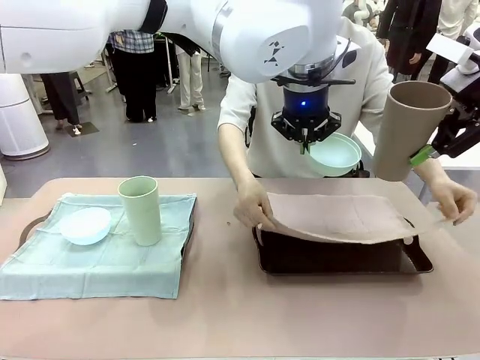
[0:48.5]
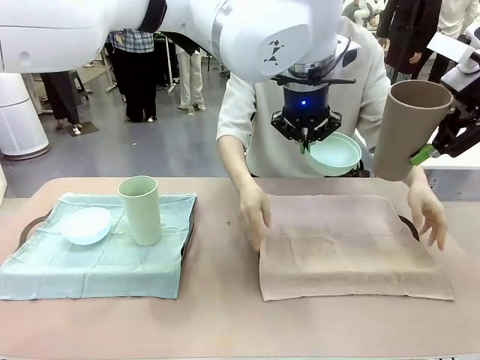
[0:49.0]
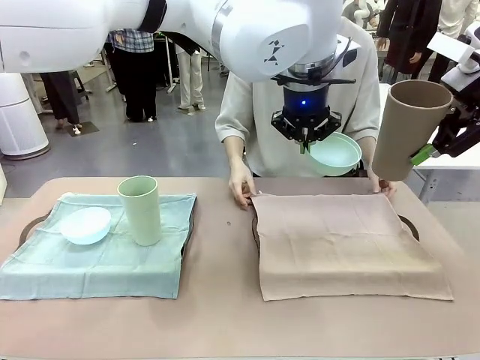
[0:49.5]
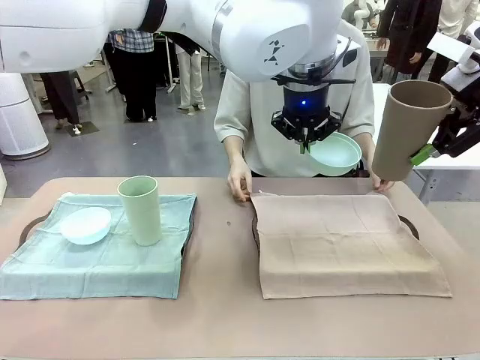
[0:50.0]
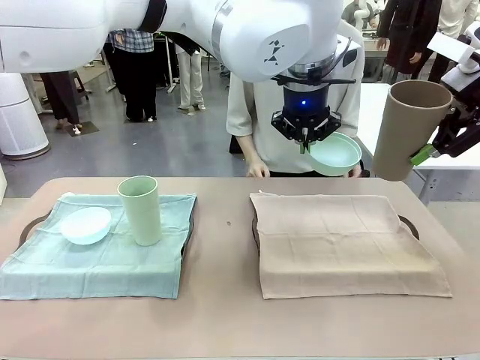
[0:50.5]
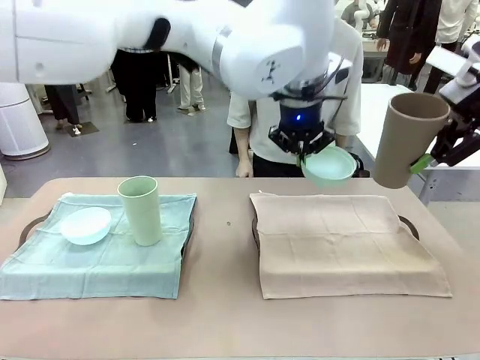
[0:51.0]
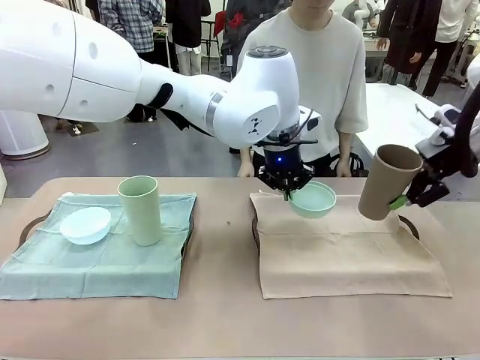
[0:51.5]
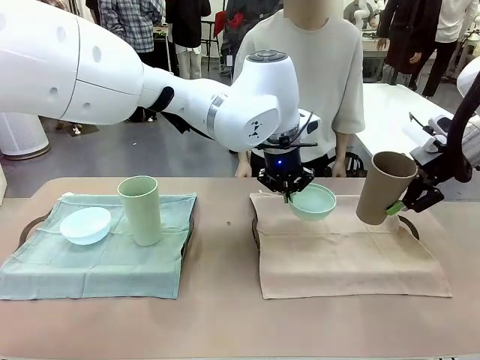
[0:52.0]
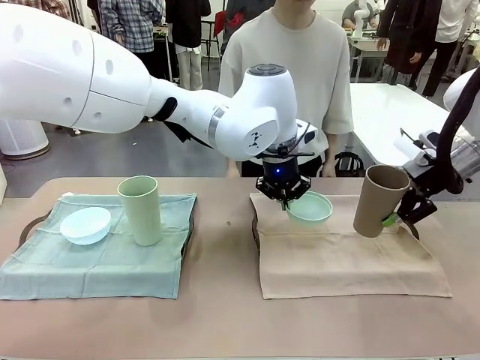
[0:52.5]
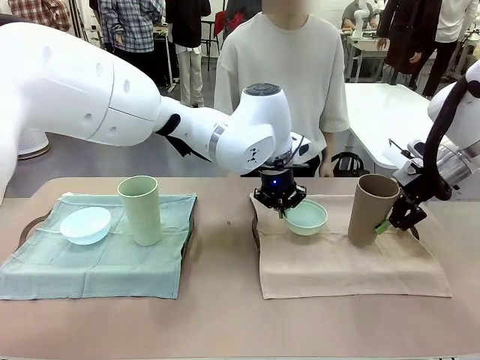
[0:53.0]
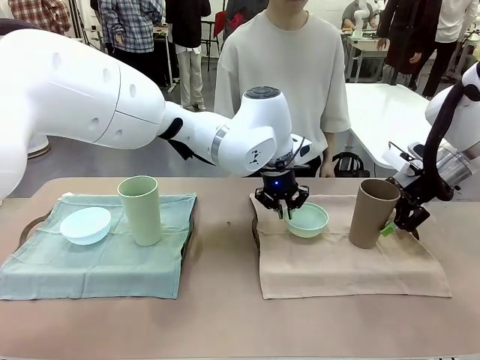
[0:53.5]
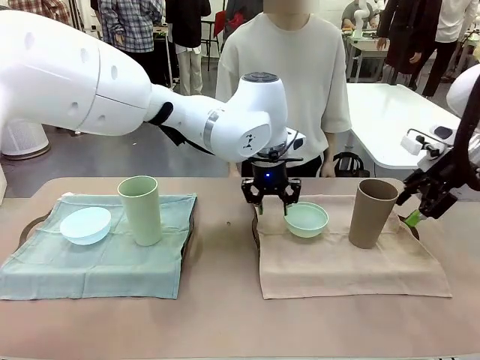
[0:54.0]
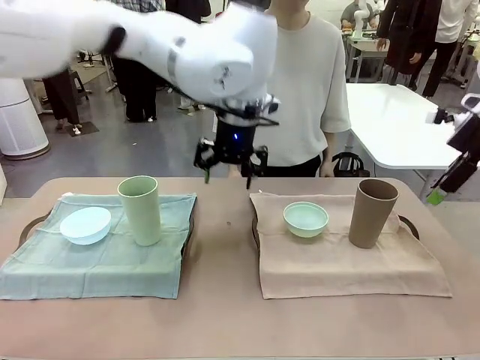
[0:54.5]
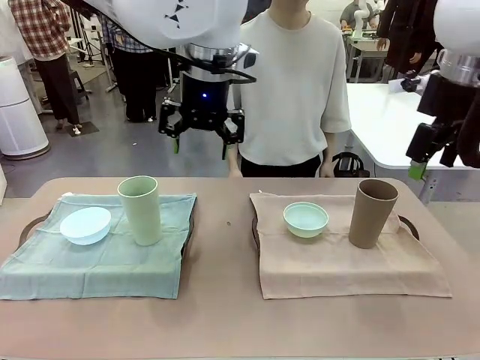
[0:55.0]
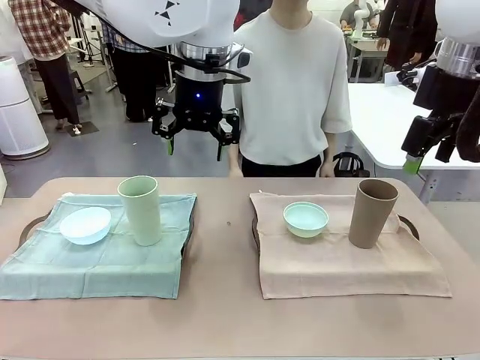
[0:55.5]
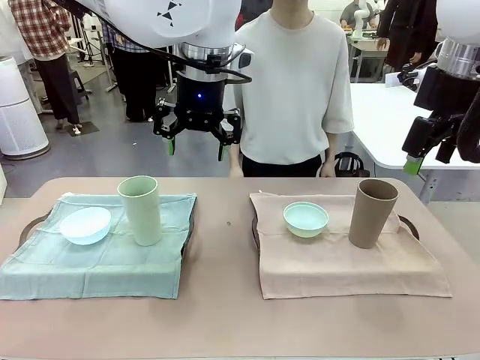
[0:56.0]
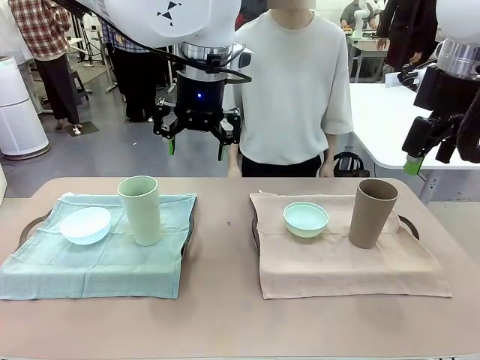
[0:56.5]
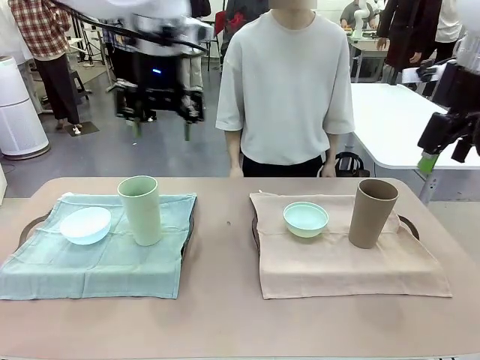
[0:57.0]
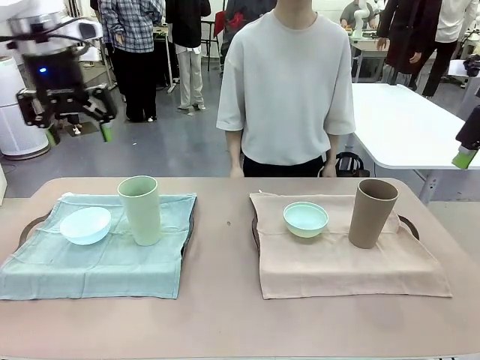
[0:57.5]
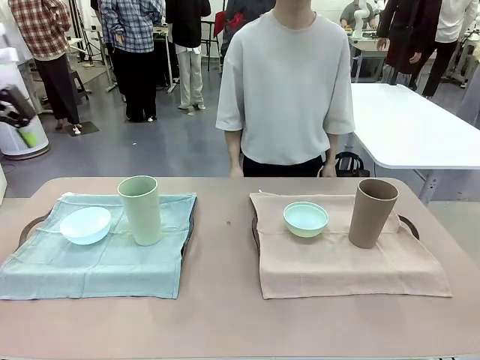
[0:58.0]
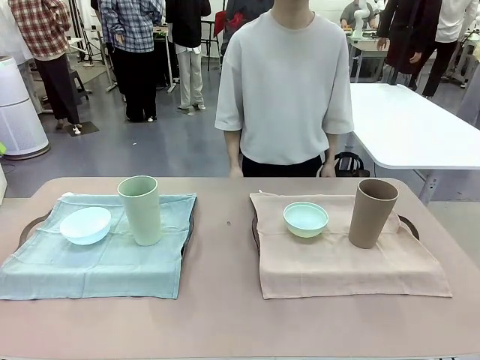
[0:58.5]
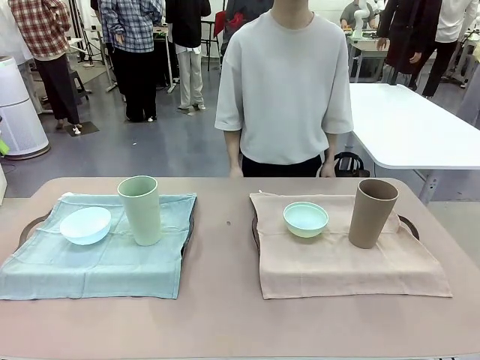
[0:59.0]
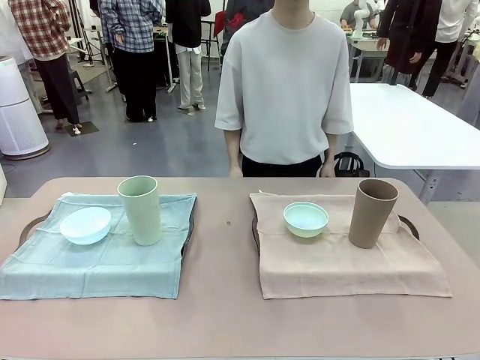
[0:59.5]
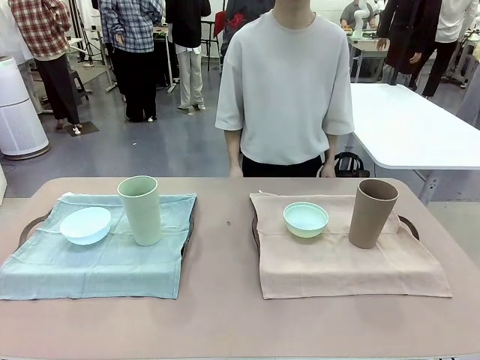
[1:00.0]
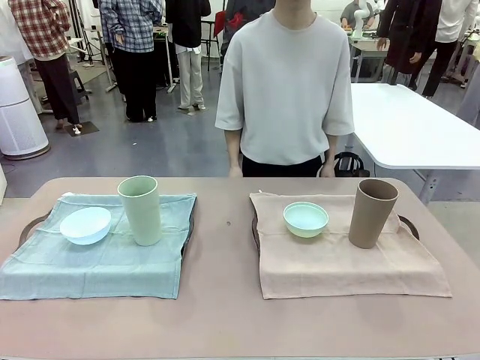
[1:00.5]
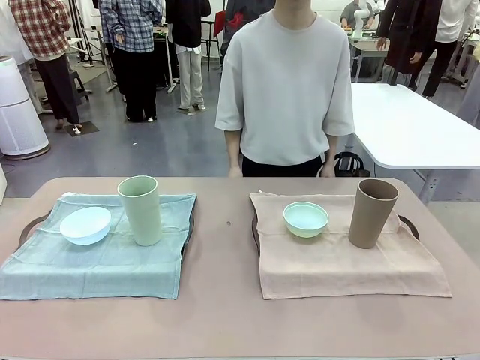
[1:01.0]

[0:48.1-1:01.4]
Robot: Place the Picnic Bowl and Reusable plastic cup back onto the Handle tray in front of the human's position.

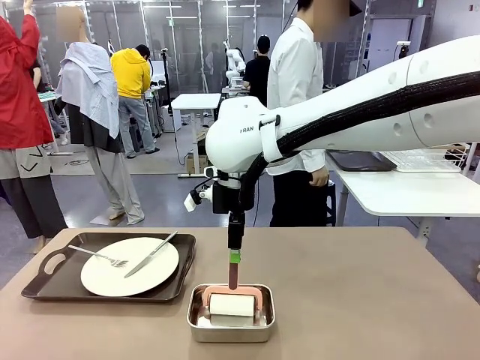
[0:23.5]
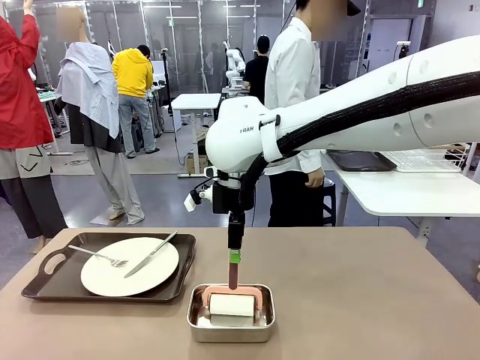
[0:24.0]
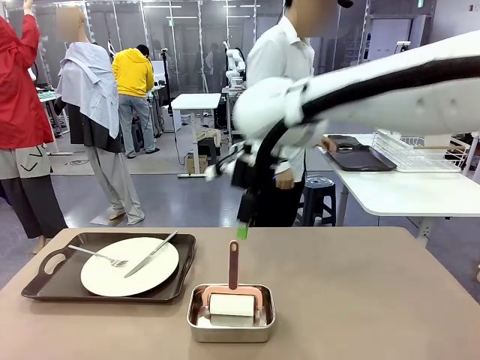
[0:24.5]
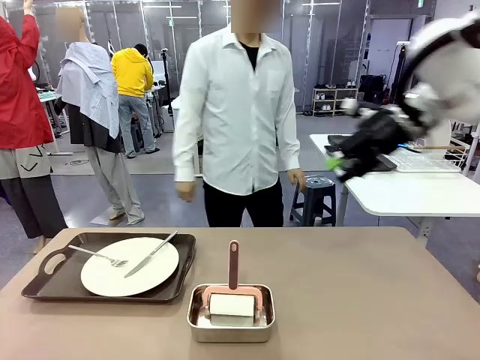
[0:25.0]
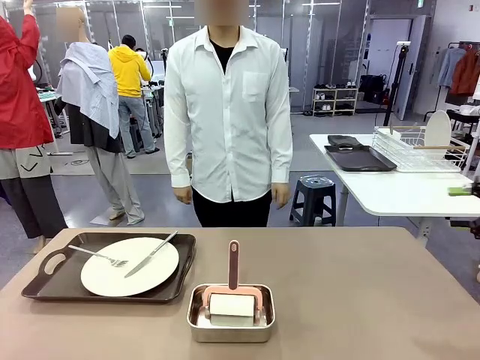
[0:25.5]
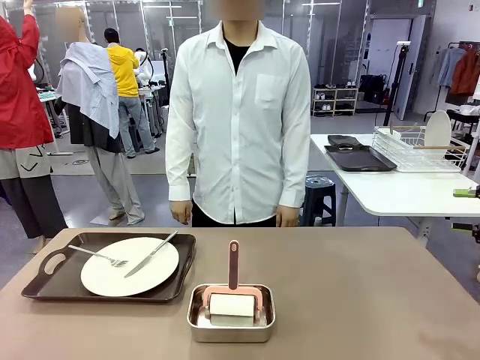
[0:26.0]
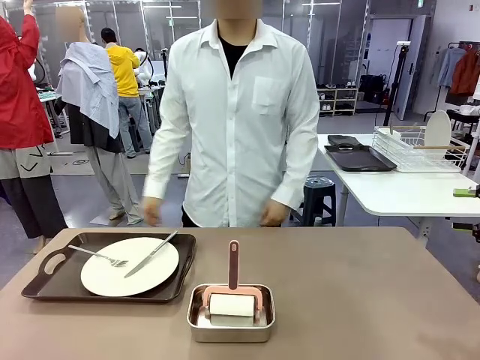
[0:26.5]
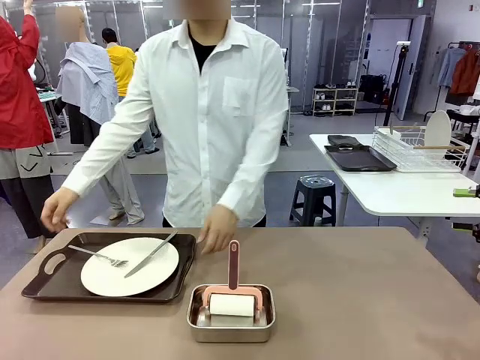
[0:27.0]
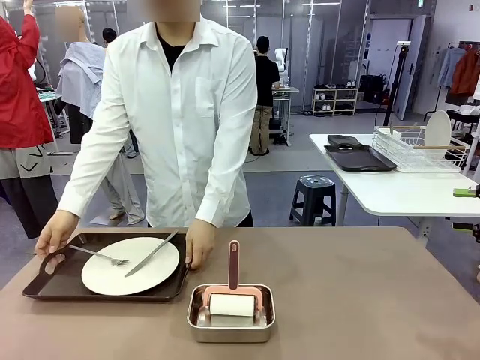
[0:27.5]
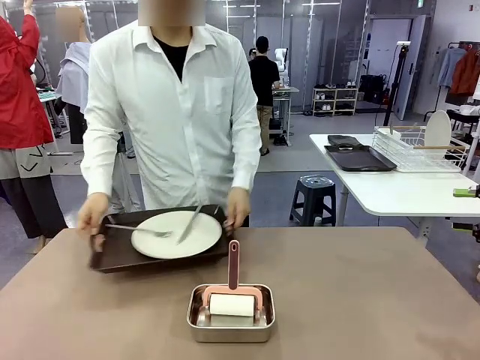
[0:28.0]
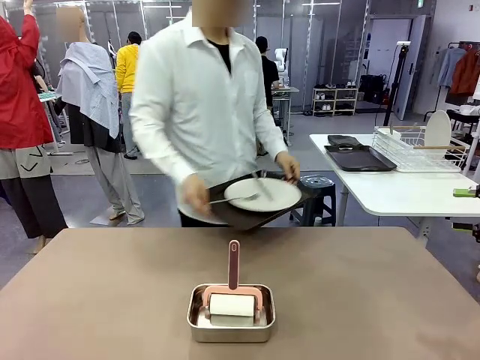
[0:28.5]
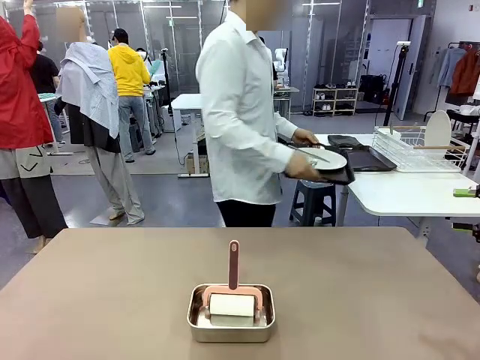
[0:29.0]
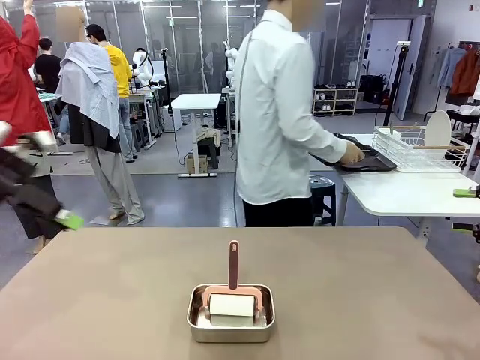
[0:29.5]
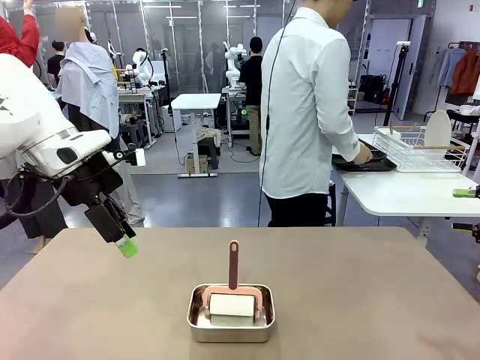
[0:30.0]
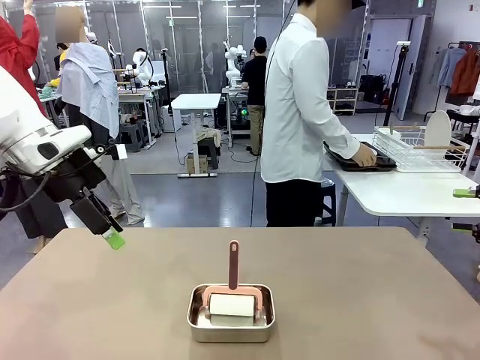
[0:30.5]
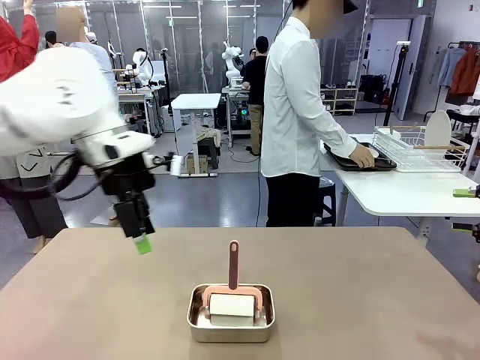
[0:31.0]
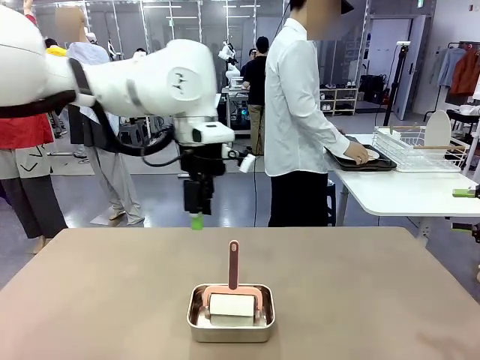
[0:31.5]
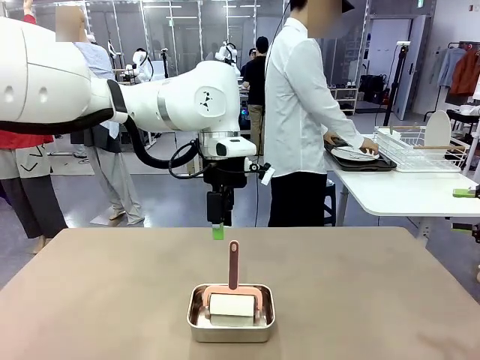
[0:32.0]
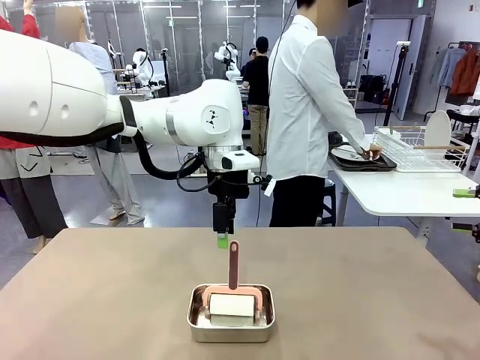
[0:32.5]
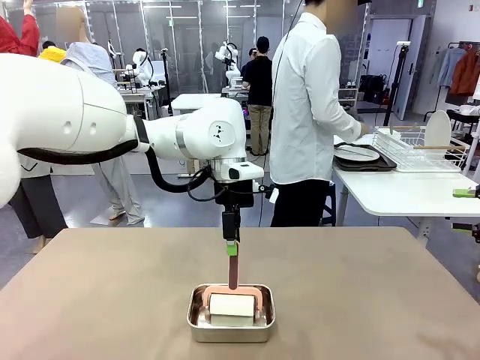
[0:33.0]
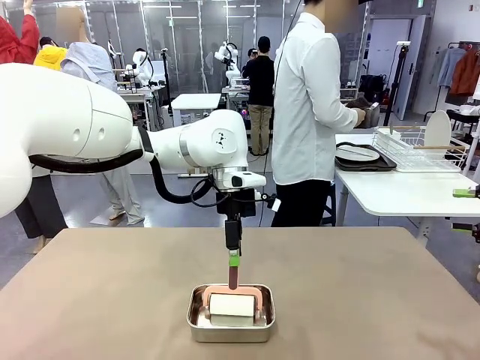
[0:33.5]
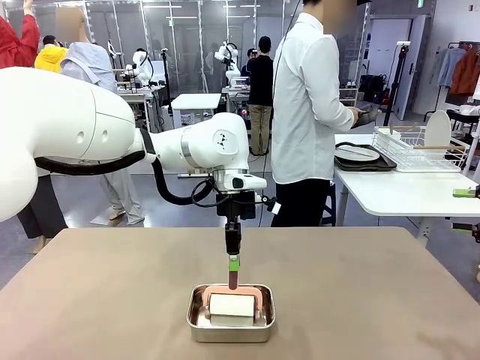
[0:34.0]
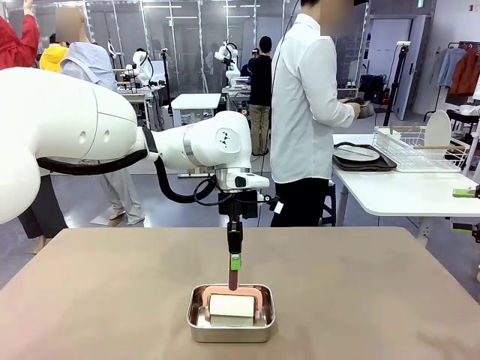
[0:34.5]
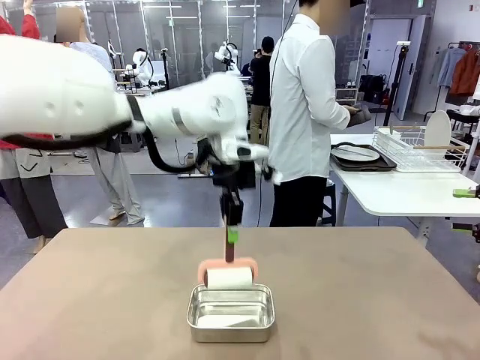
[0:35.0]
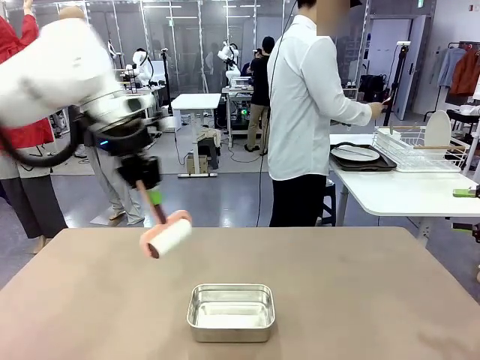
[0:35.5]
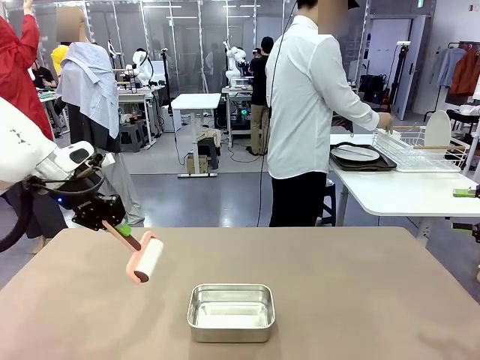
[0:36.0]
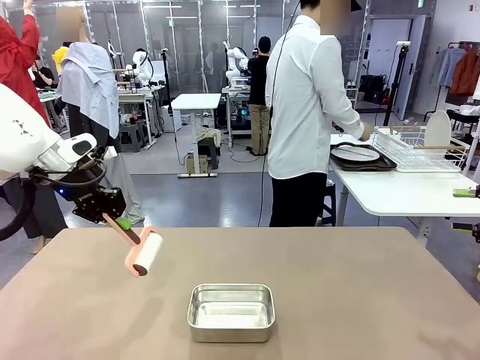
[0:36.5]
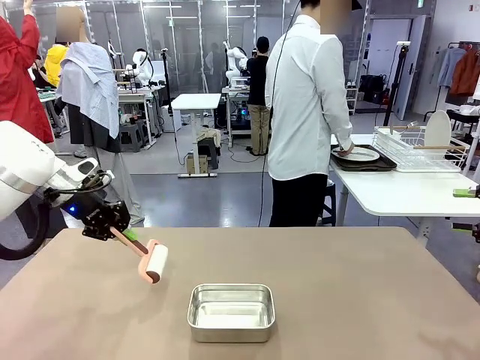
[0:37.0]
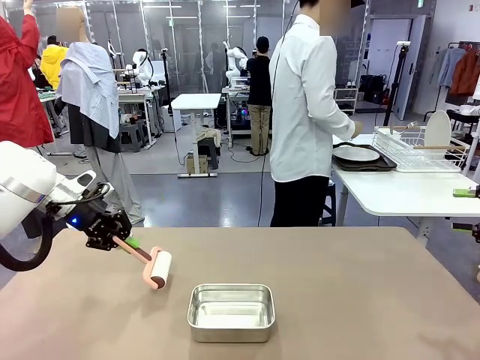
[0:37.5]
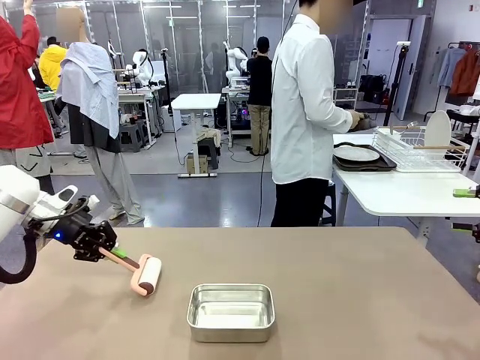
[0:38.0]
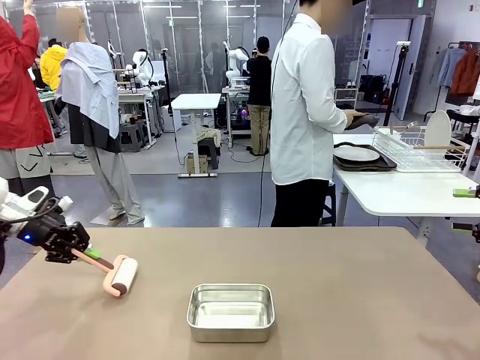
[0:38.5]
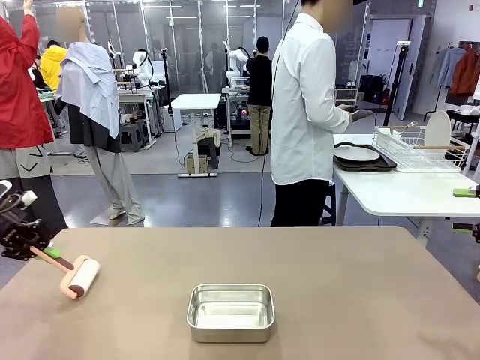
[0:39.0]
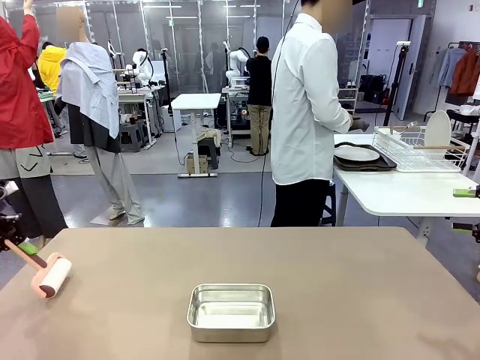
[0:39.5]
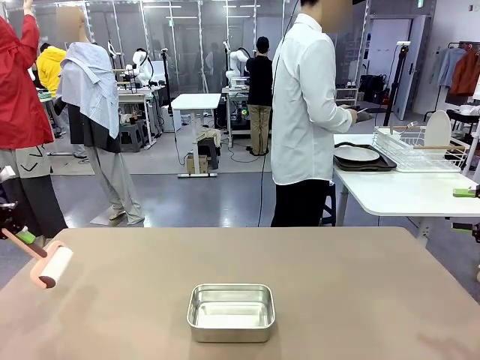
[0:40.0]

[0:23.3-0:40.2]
Robot: When the right (or left) Handle tray is removed, use the right hand (or left hand) to clean the right (or left) side of the table with the Lint Roller.
Person: Pick up the left (or right) Handle tray and place it on the Handle tray.
